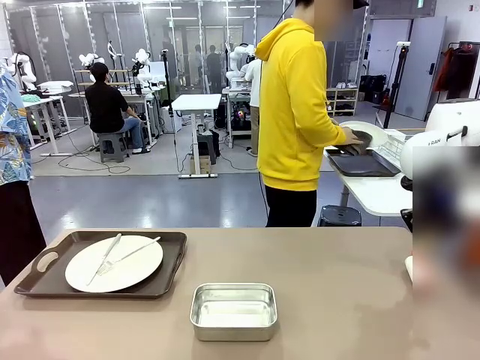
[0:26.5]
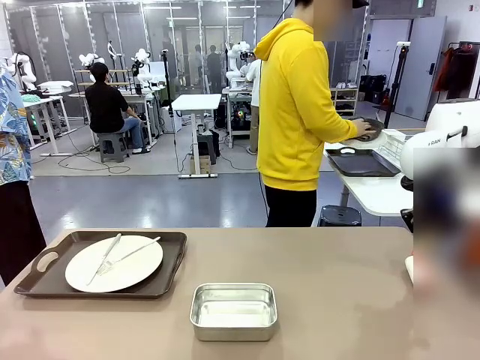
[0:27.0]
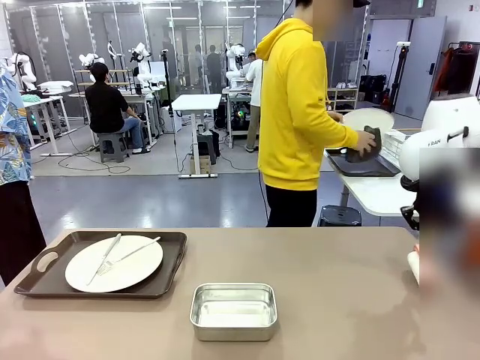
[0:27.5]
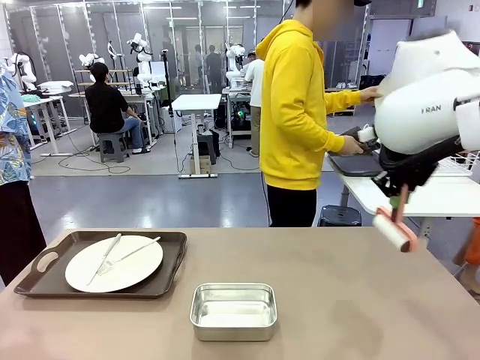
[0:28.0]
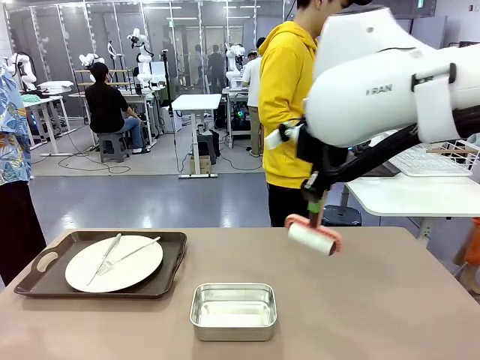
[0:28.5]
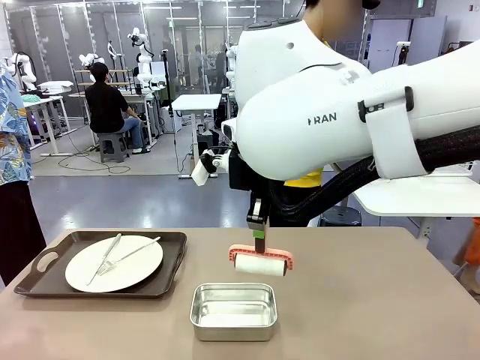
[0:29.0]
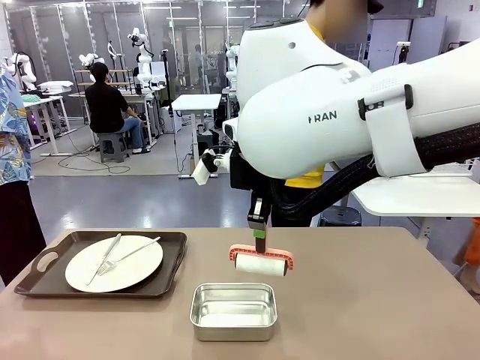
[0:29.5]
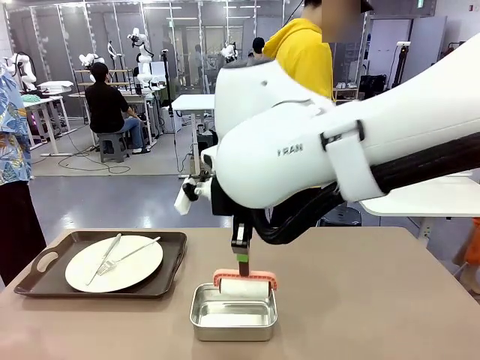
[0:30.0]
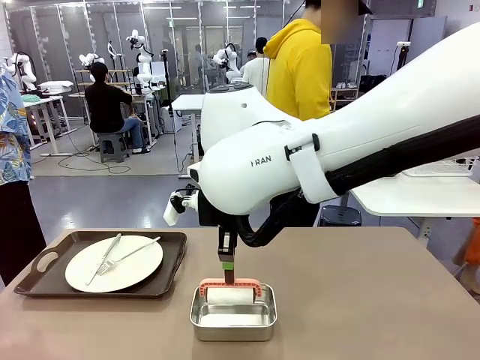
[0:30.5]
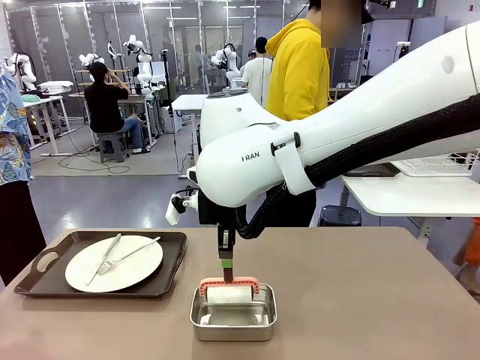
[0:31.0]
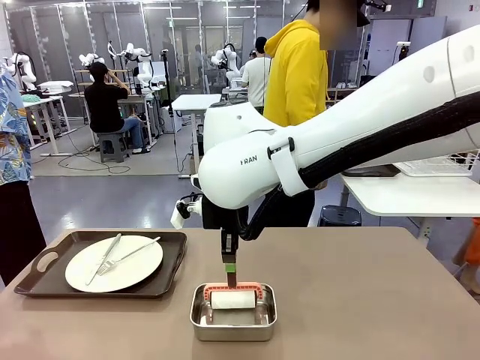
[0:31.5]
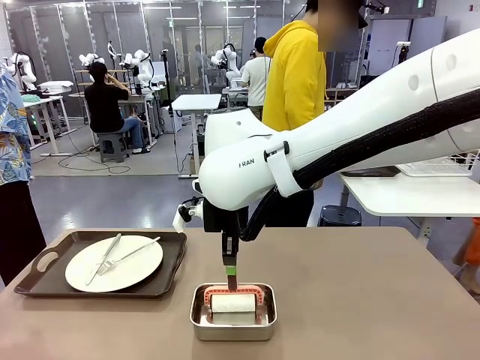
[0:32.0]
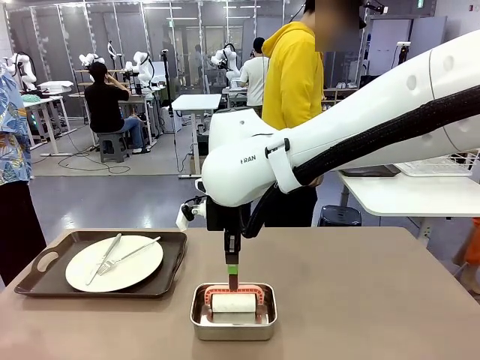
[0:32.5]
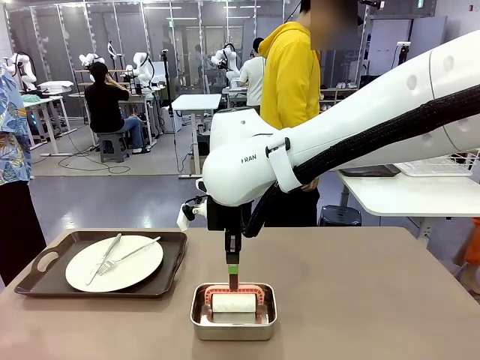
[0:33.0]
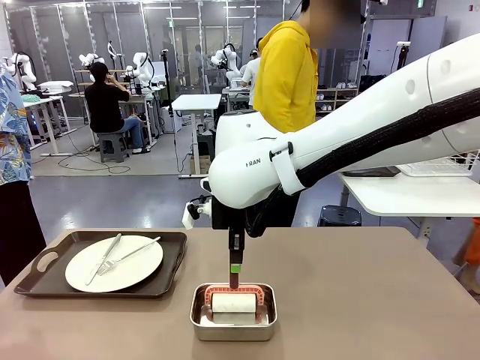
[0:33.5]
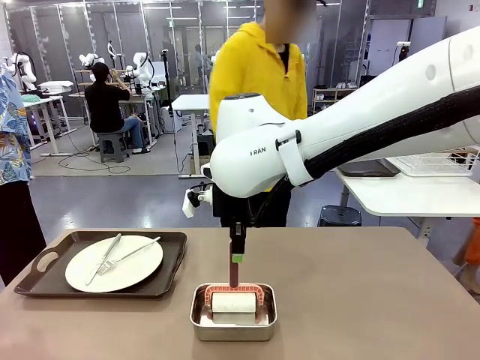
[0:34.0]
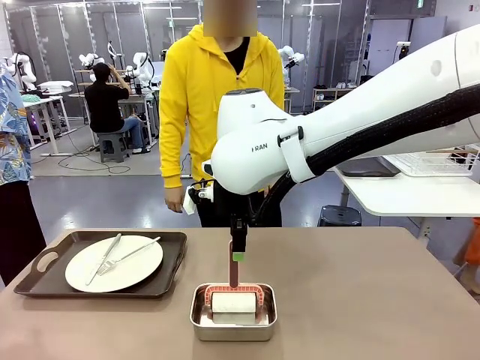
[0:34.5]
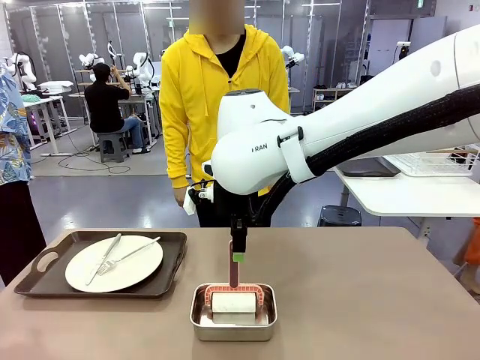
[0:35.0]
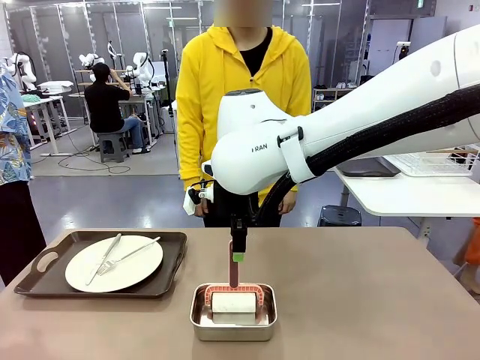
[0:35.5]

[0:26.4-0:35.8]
Robot: Place the Lint Roller back on top of the Airtight Container.

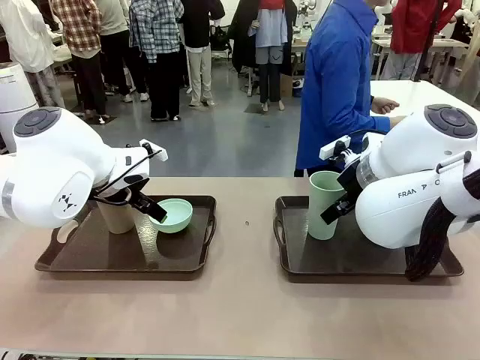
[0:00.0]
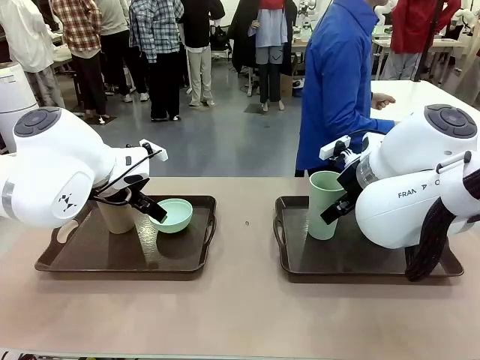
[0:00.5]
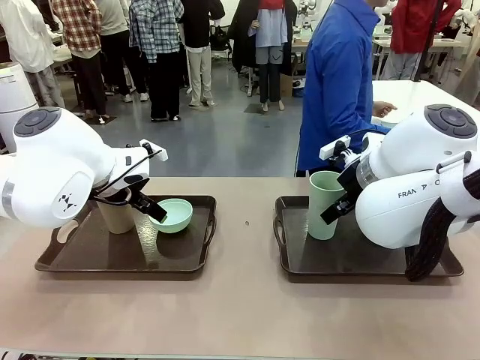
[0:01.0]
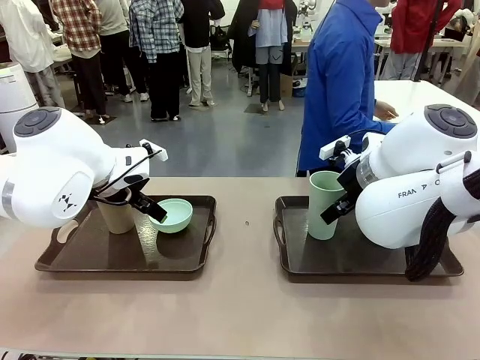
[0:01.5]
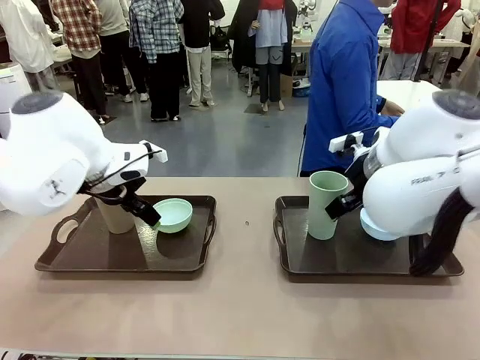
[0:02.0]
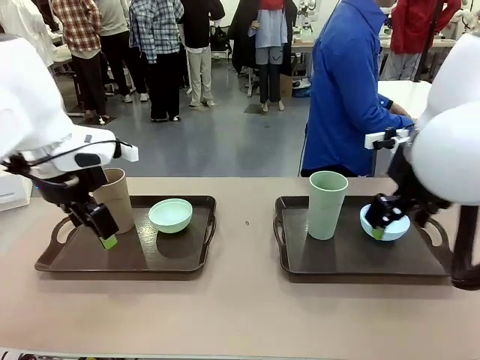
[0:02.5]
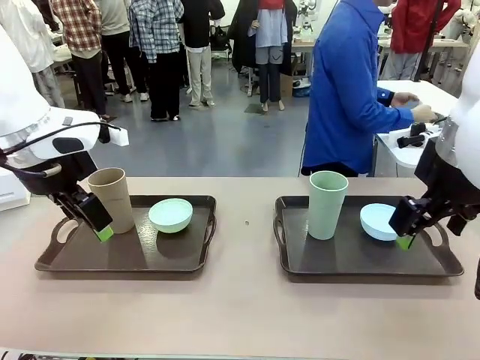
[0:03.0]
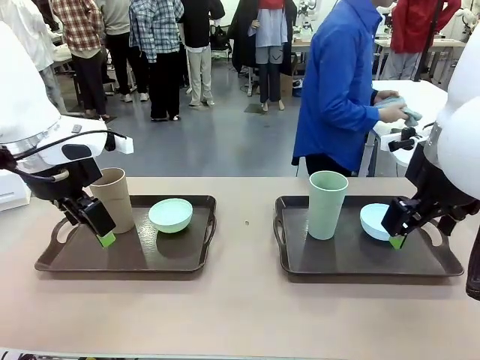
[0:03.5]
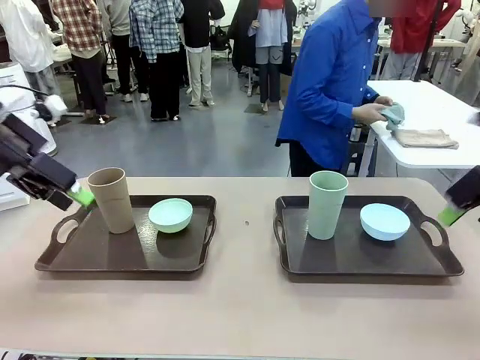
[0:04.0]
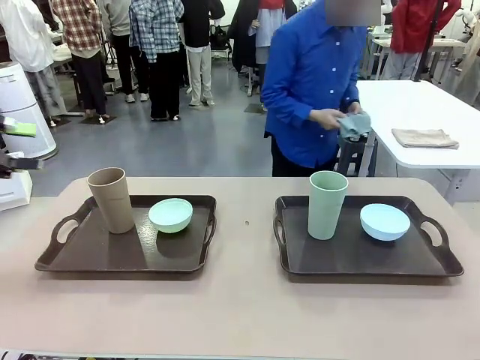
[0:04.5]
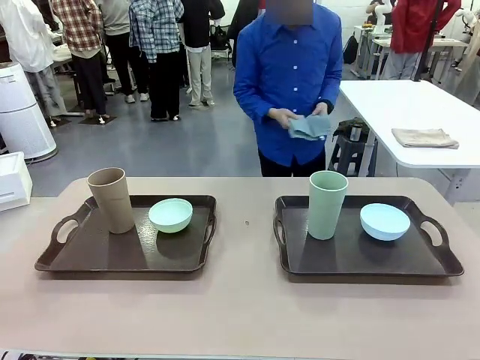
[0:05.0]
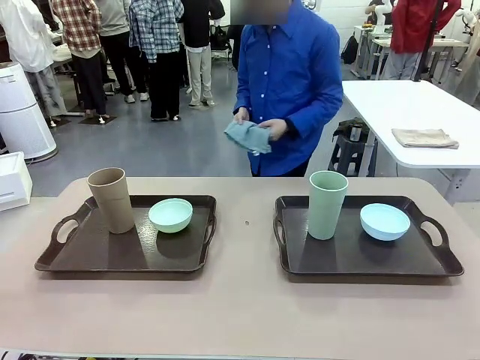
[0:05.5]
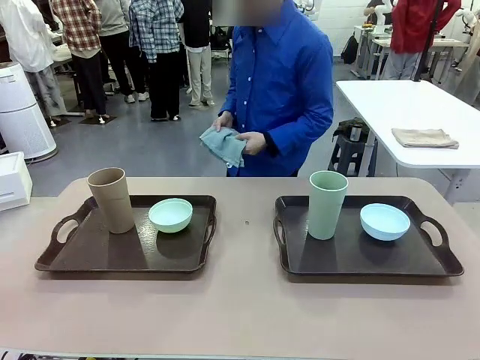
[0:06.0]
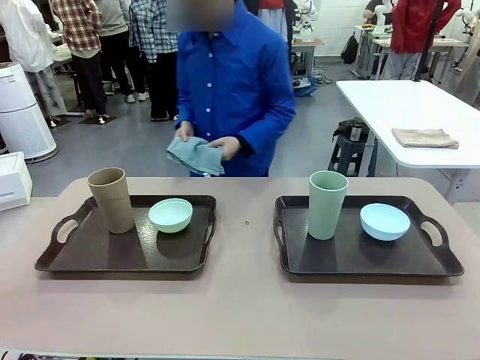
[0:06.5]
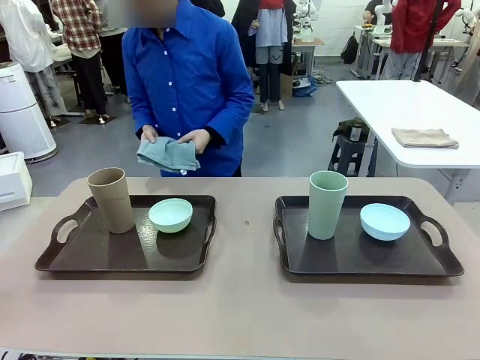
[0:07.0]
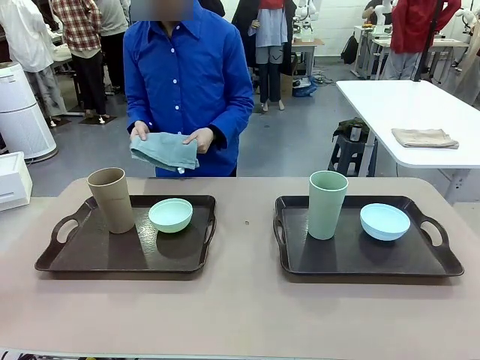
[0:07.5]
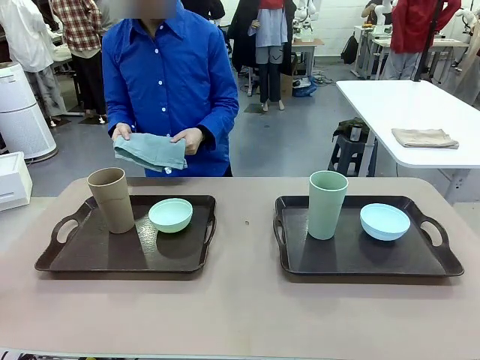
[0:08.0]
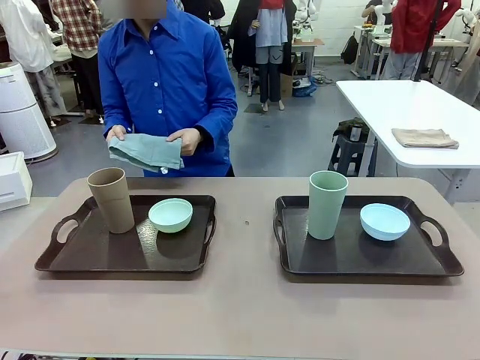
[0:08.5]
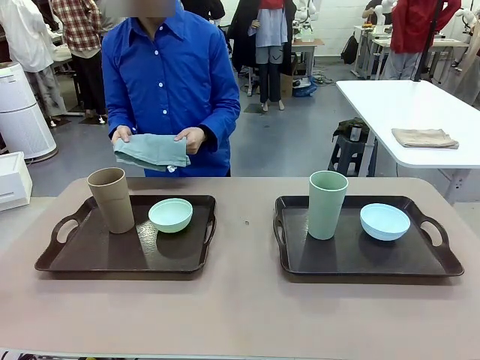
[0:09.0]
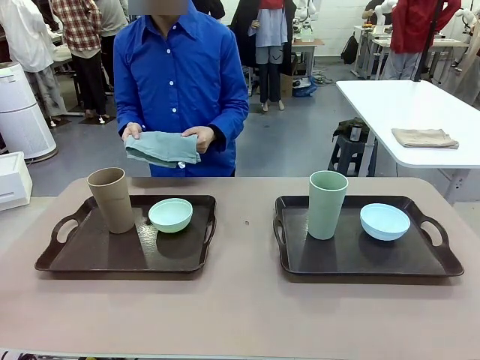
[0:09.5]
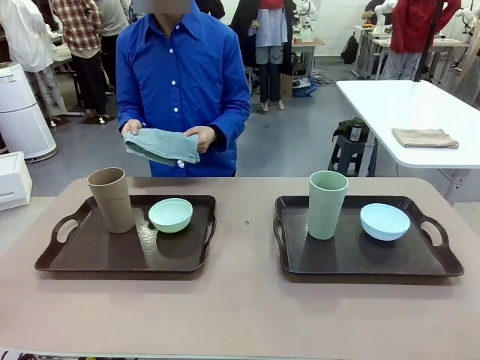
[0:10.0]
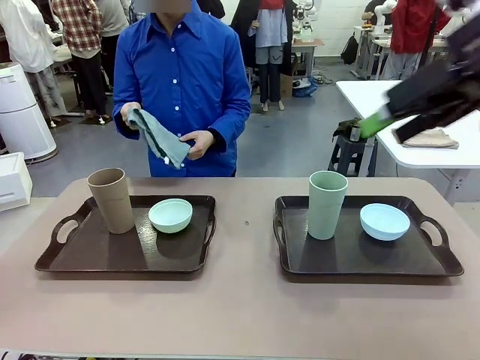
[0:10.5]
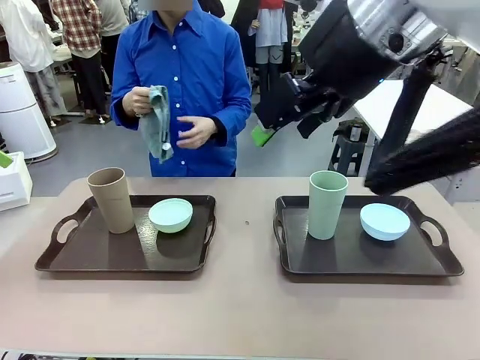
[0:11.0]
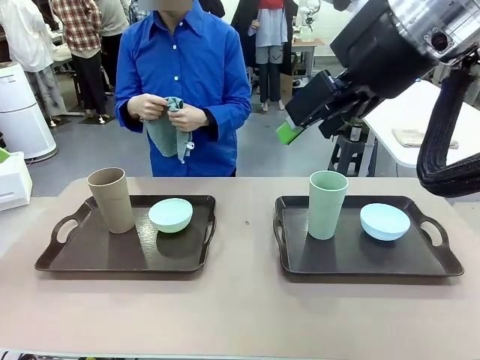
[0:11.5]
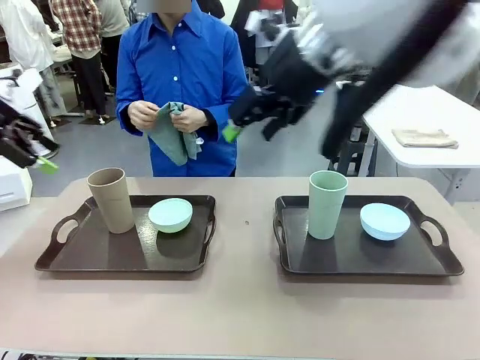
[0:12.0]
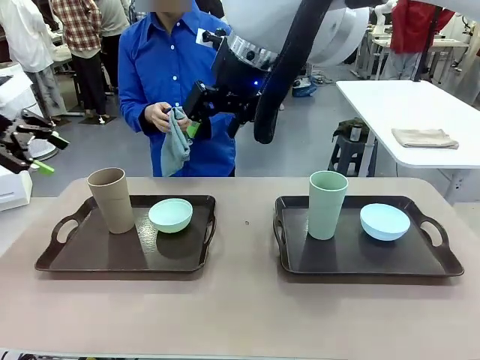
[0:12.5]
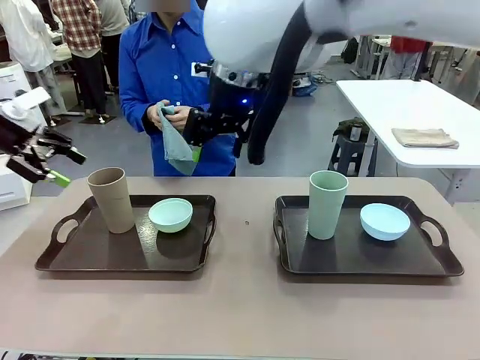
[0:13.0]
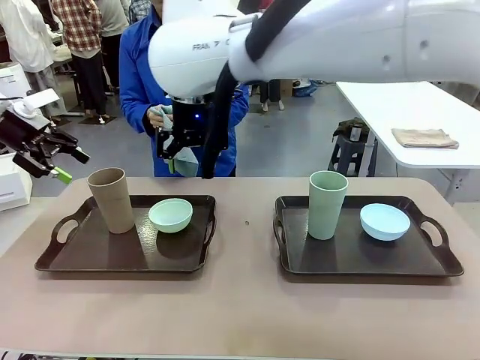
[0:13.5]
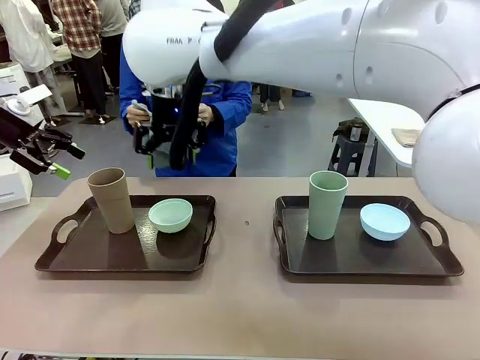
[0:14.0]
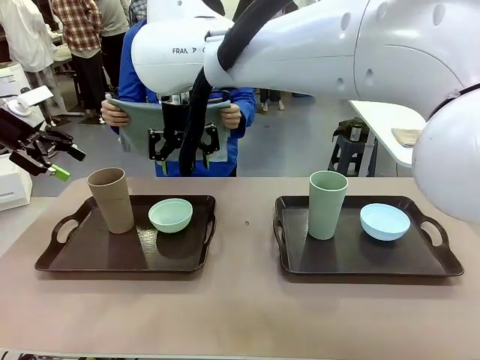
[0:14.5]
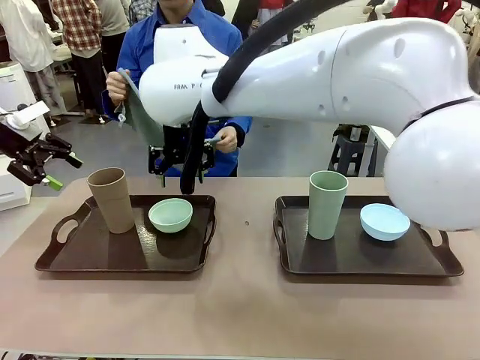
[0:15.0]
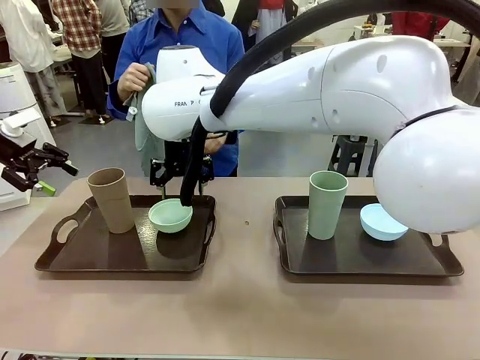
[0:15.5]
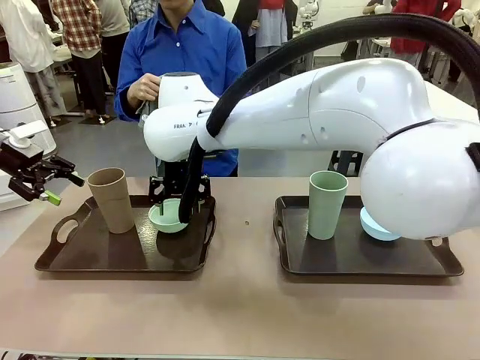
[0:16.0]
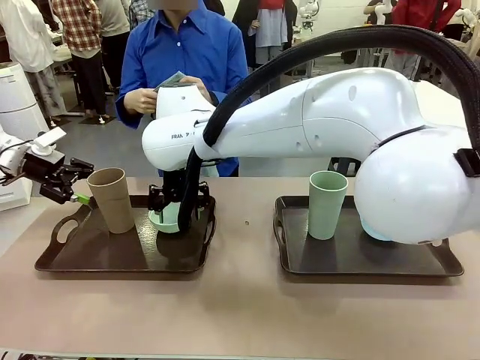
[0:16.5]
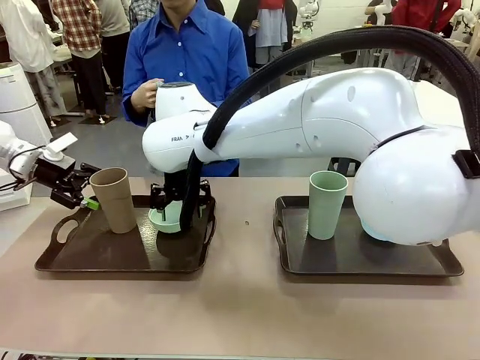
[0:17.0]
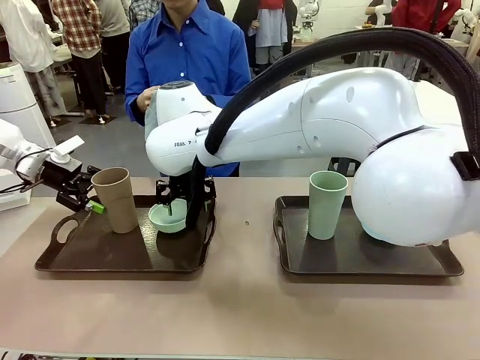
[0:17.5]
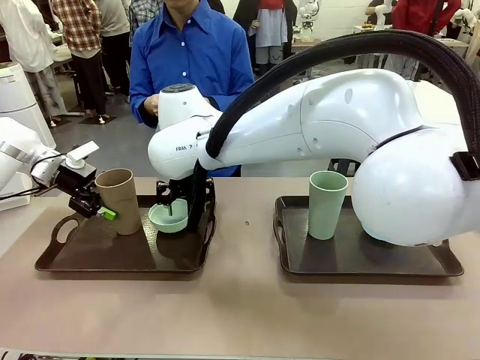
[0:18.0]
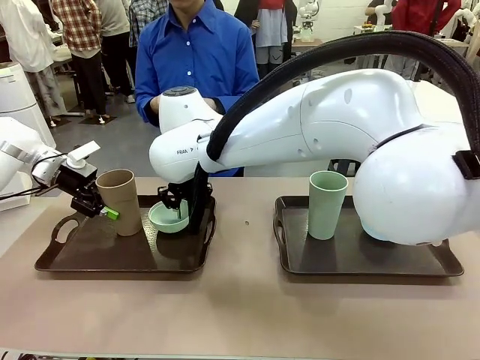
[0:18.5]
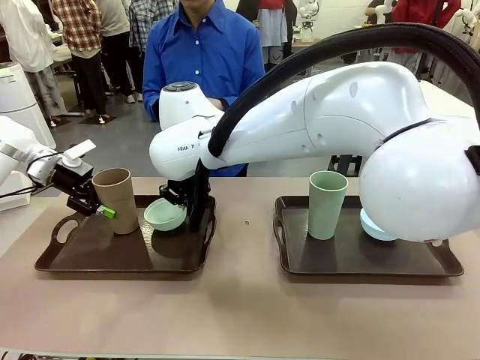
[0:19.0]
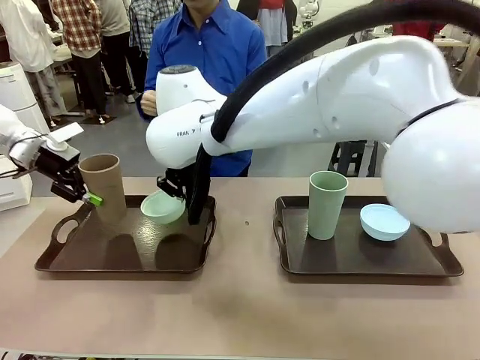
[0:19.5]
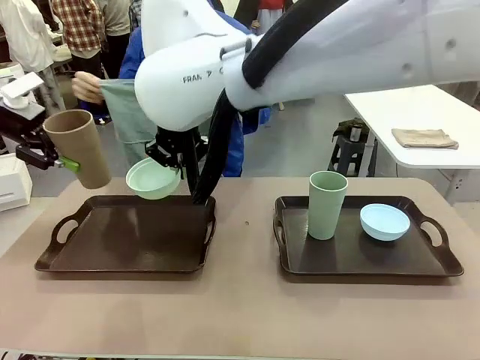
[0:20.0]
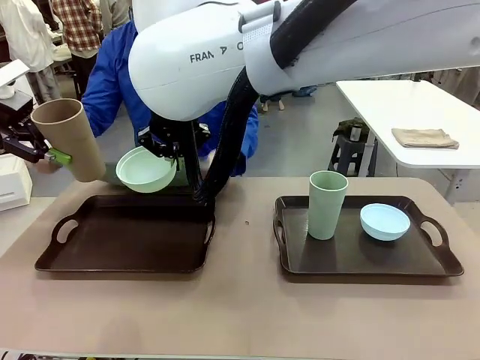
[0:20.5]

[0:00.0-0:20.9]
Robot: Pick up the Picnic Bowl and Reusable plastic cup from the Handle tray in front of the human's position and hold them in the air.
Person: The human picks up the top napkin from the stack on the human table and walks to the robot table to stand in front of one of the two trays. When the robot lifts the bowl and the cup, the human unfolds the napkin and lays the napkin flat on the tray.
